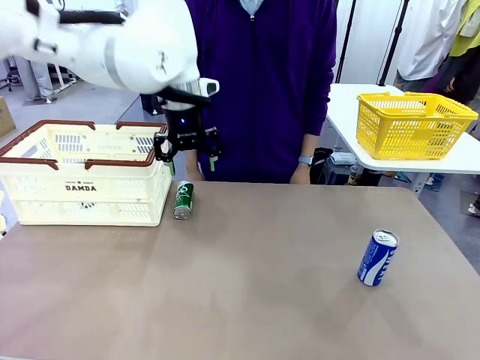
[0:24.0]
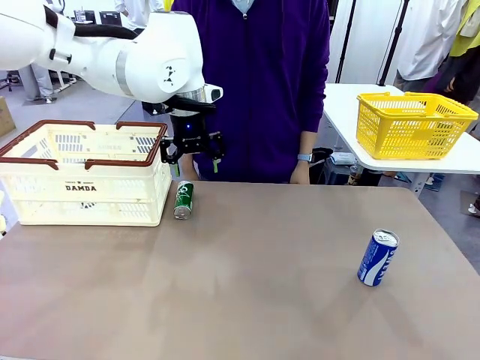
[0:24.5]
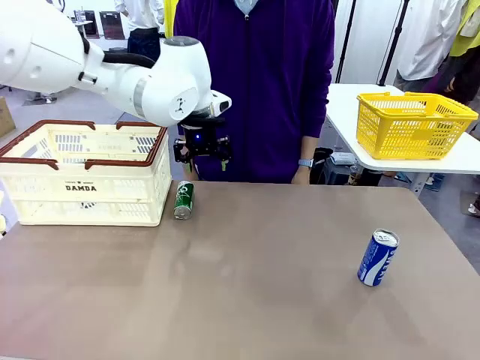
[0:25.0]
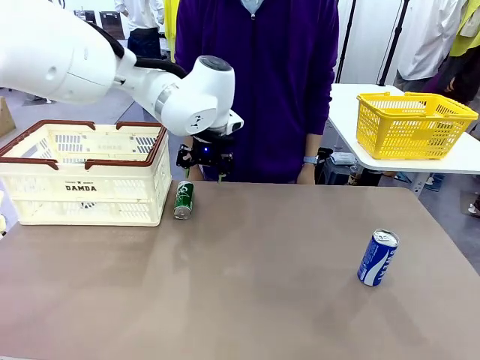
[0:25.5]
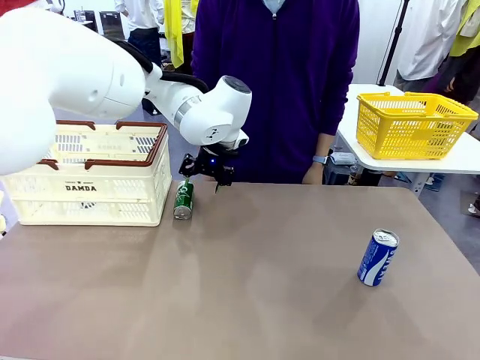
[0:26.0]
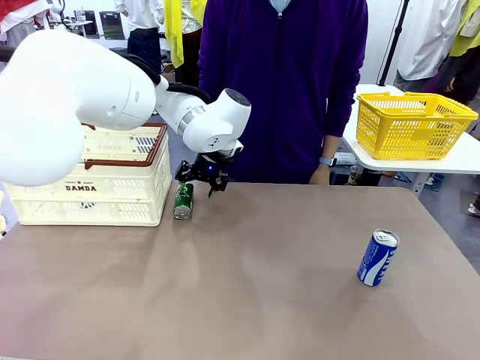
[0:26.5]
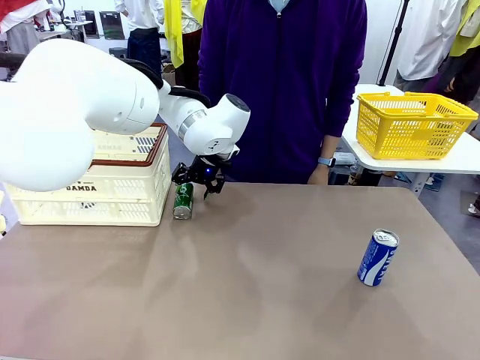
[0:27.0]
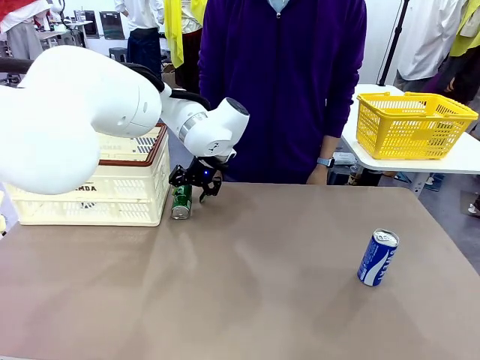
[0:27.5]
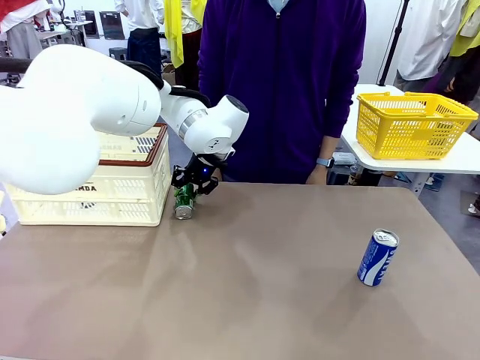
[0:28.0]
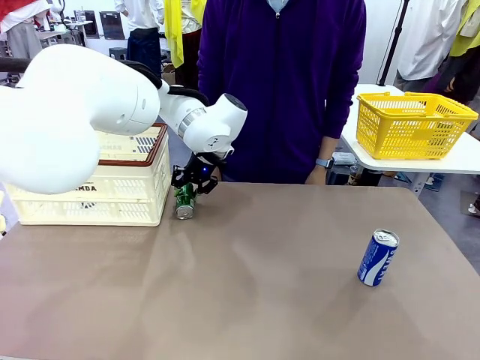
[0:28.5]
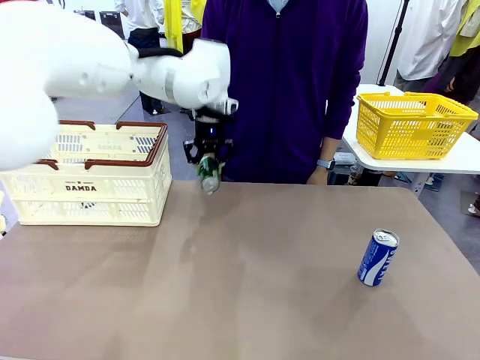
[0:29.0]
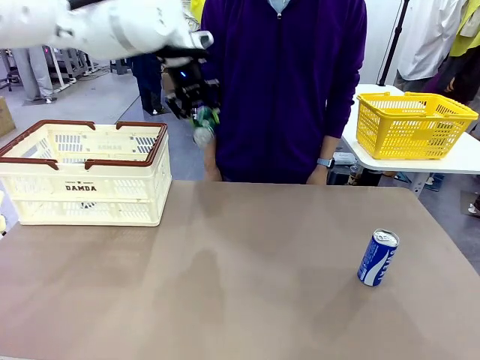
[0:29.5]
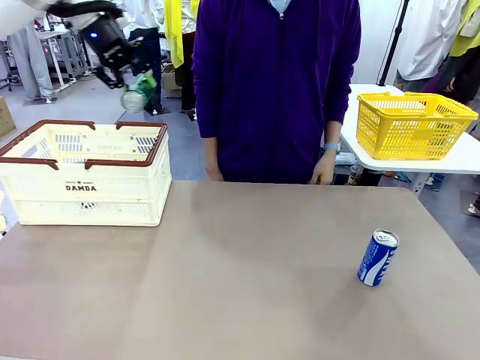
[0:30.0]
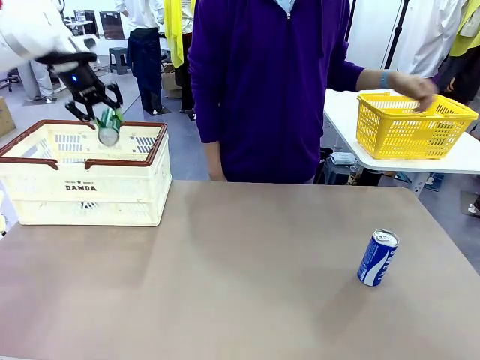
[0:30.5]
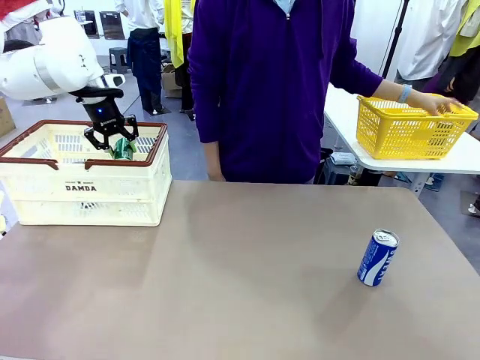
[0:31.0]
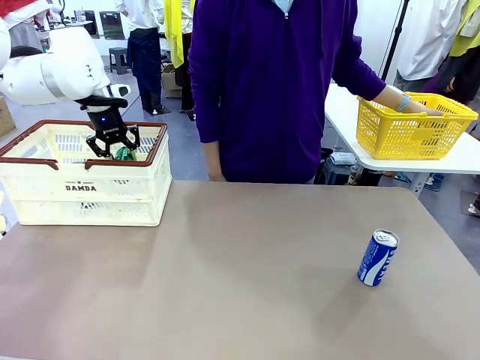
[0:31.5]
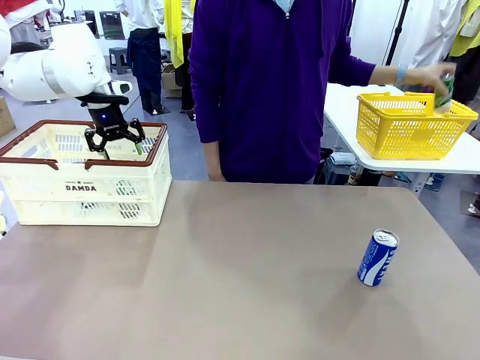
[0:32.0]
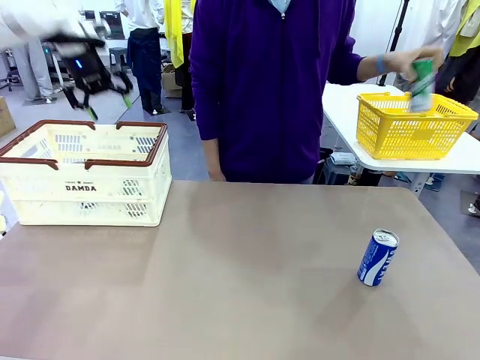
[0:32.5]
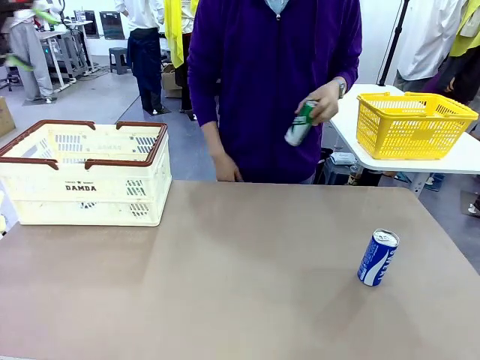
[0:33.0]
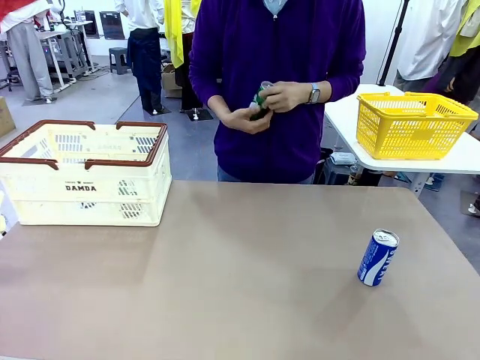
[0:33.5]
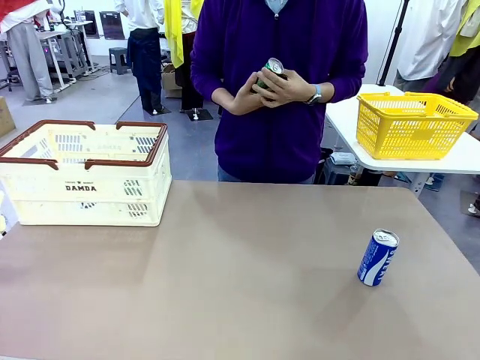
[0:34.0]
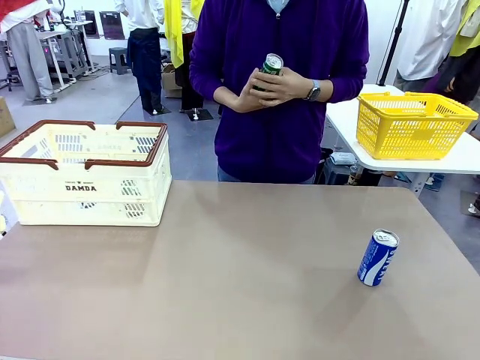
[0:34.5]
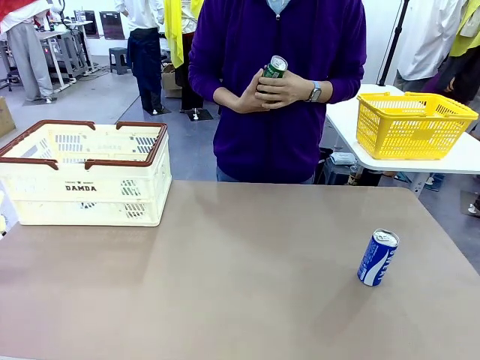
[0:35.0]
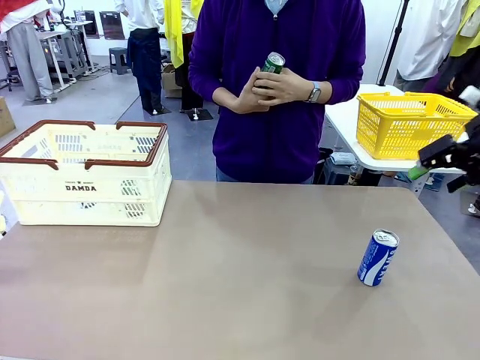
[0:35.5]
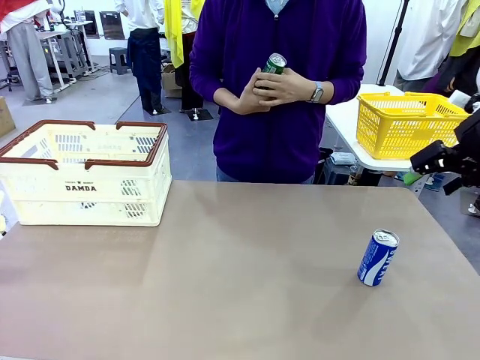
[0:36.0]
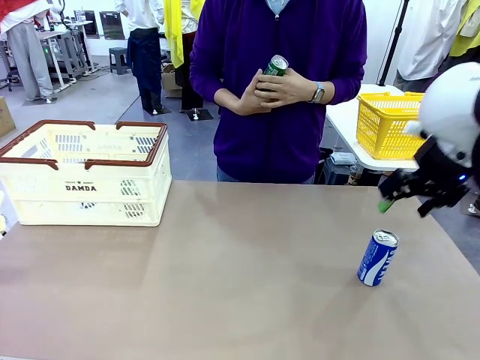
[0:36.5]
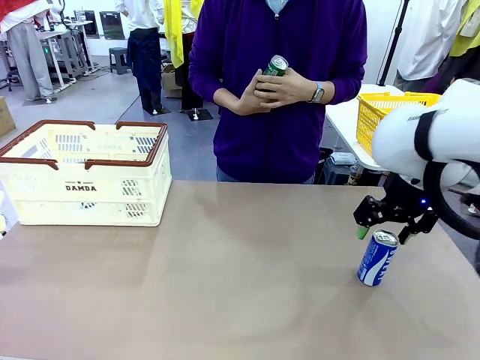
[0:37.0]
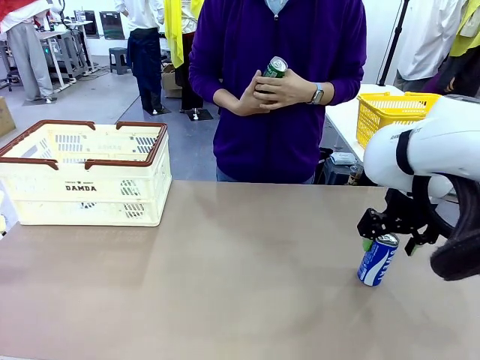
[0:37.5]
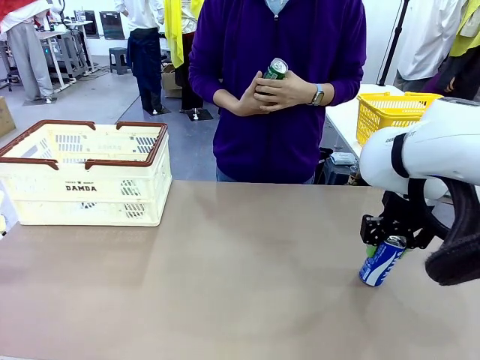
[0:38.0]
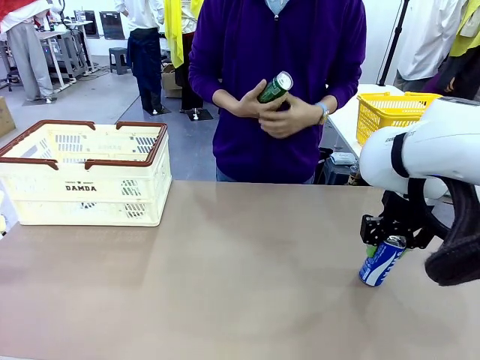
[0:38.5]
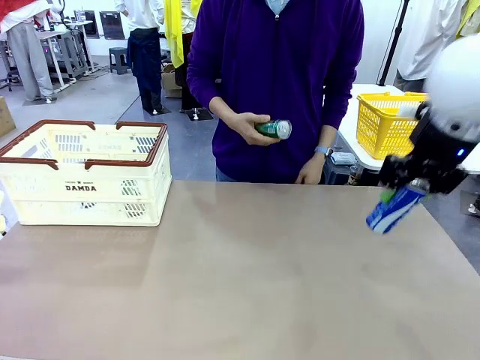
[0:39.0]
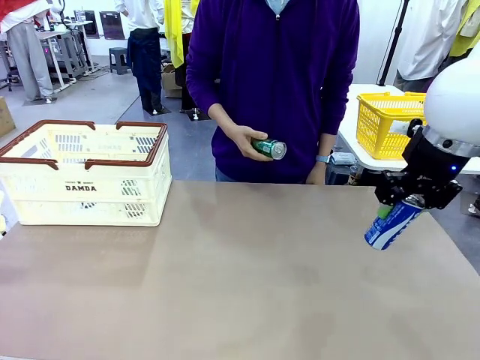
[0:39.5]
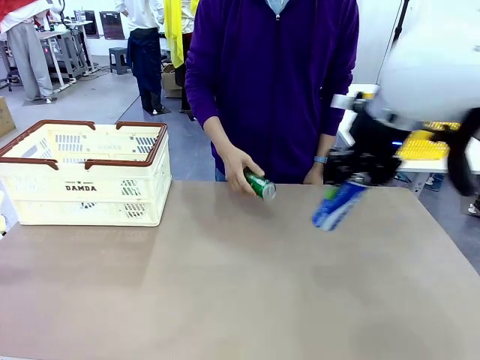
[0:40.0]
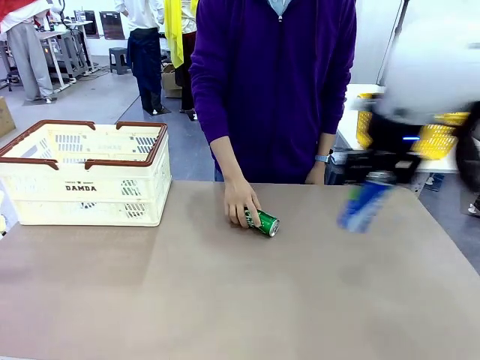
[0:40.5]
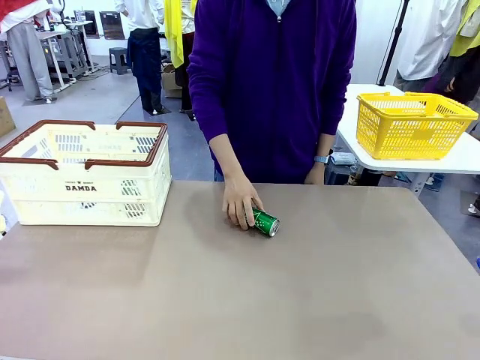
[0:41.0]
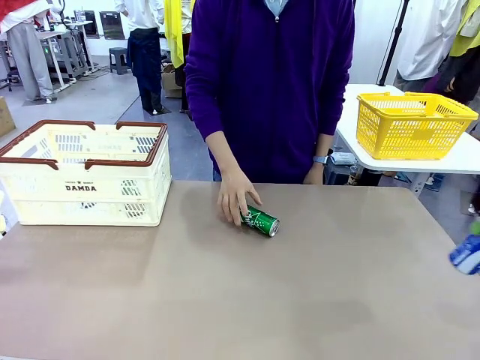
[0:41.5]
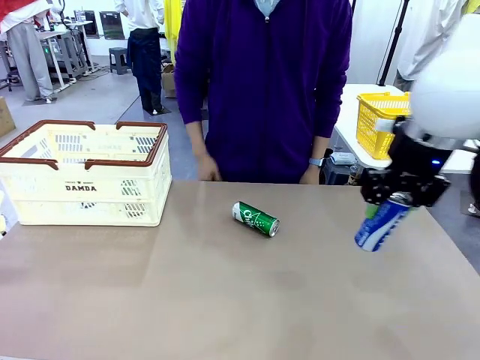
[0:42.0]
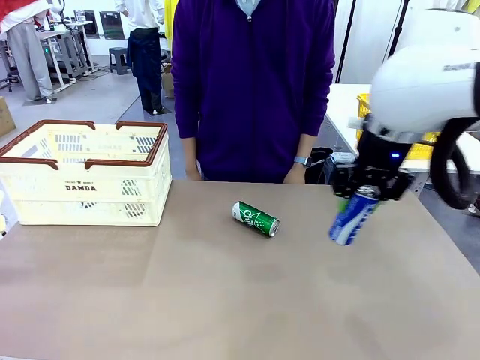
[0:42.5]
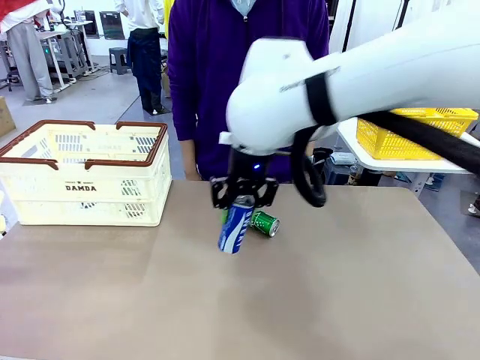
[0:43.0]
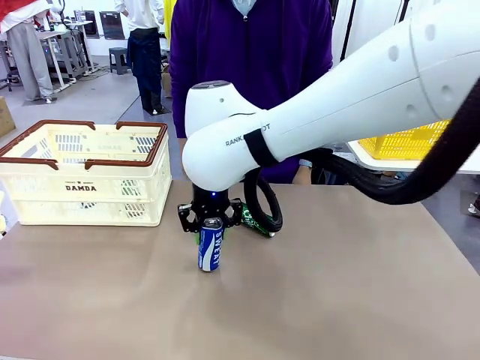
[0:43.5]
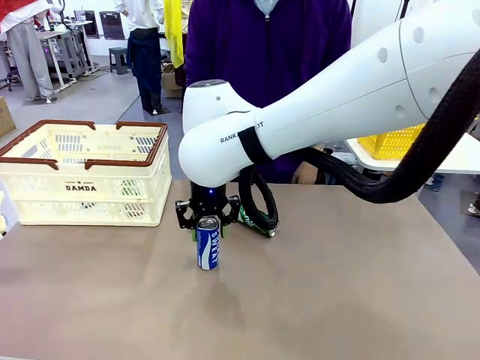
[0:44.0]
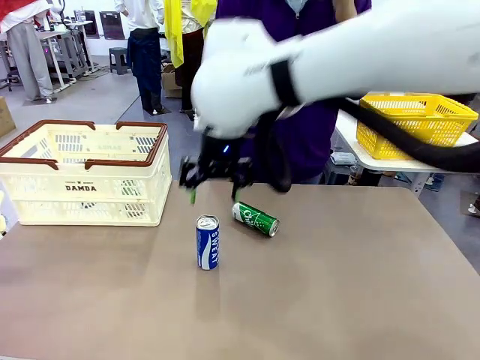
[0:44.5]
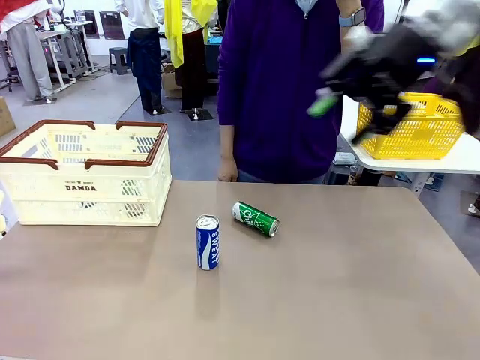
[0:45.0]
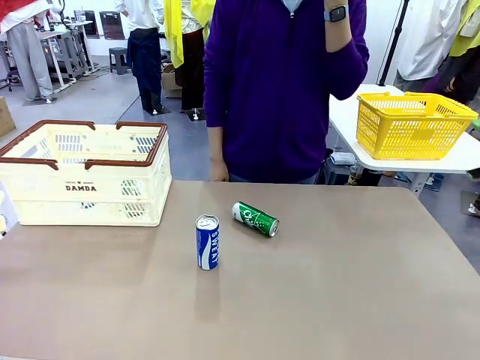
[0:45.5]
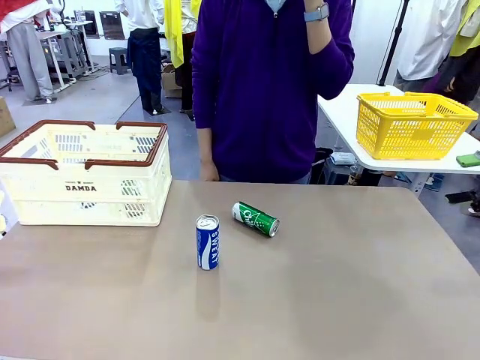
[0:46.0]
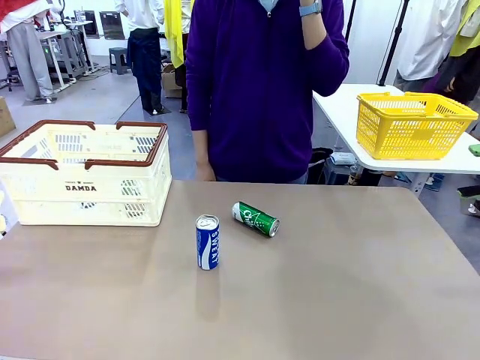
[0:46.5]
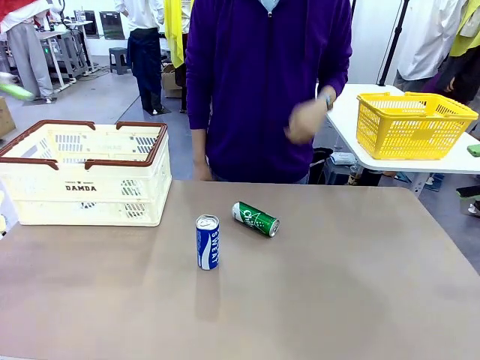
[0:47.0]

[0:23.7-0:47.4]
Task: Place the drinks into the Shopping basket.
Robot: Pick up one drink and place it into the Shopping basket.

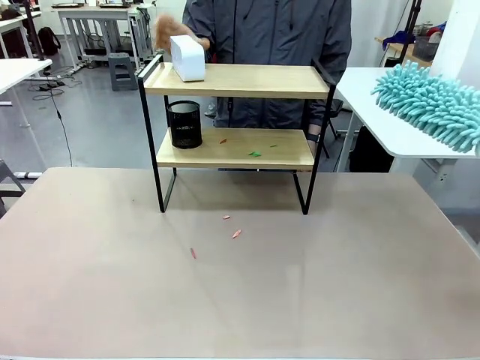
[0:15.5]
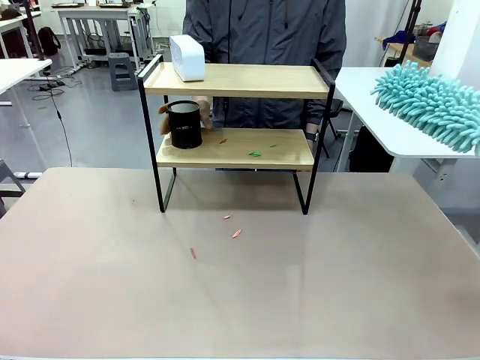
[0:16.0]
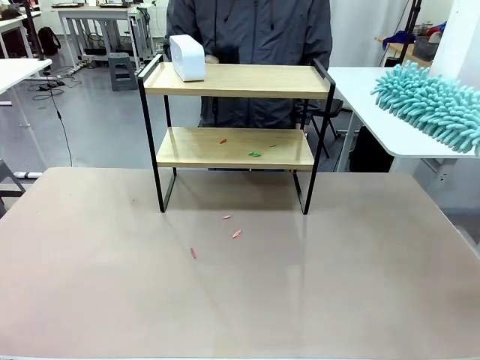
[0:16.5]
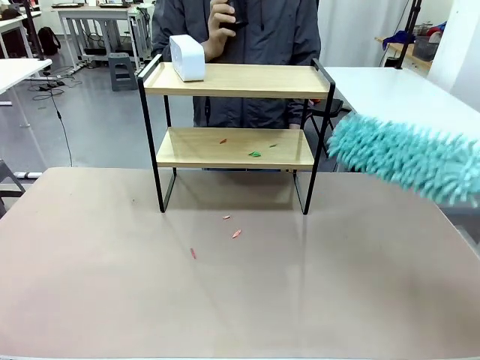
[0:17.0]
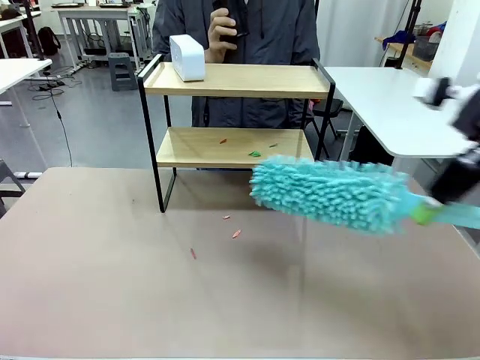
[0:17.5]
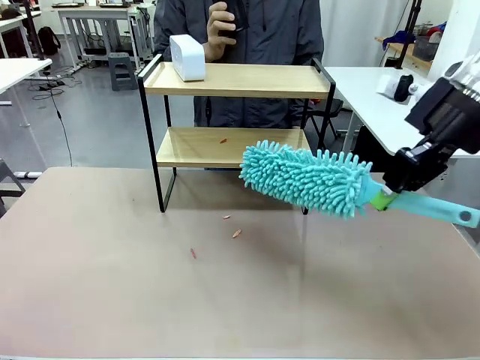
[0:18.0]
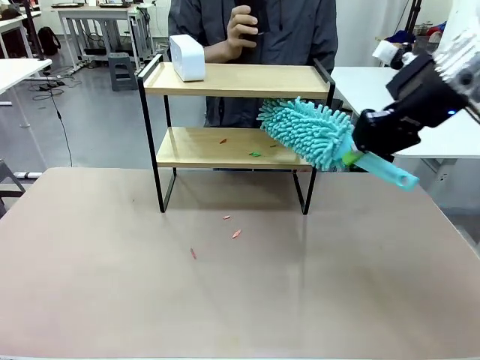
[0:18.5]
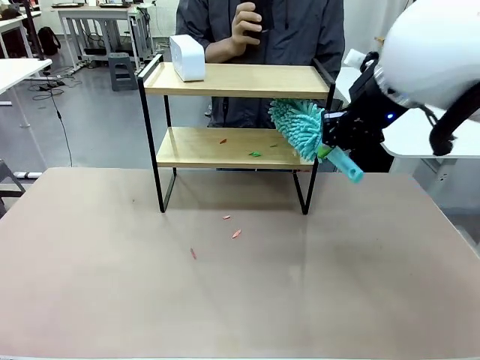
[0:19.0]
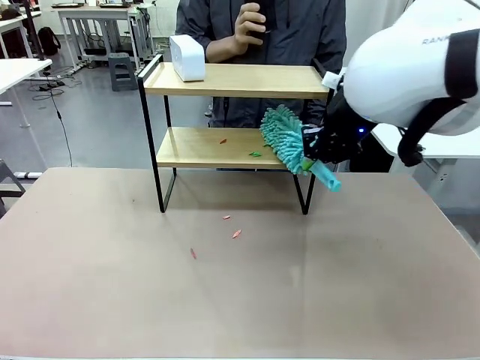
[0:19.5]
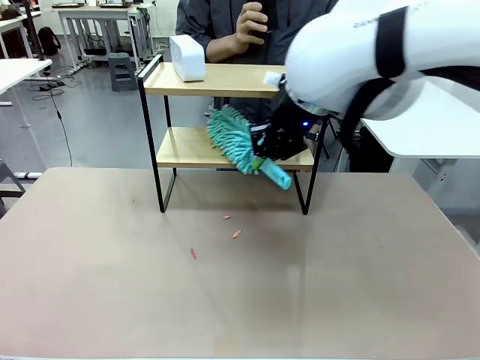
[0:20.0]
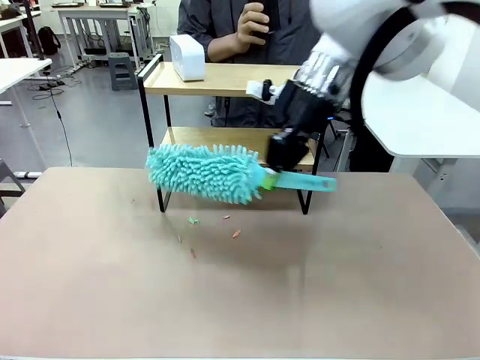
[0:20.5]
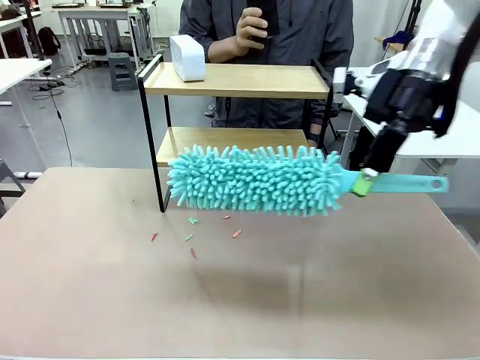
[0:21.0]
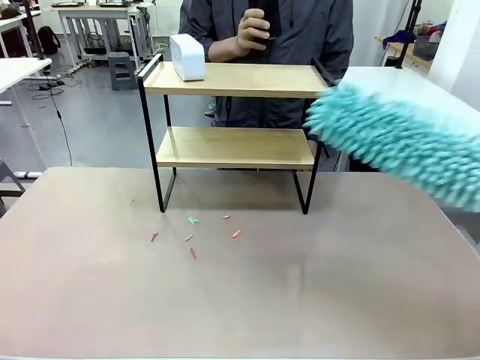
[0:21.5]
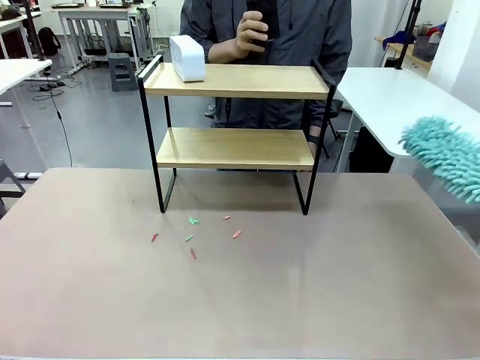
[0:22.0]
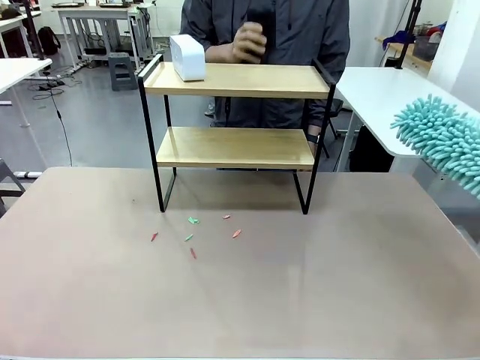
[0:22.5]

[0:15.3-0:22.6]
Task: Clean the shelf.
Robot: Clean the remaining tier of the Shelf with the Duster once objects are removed.
